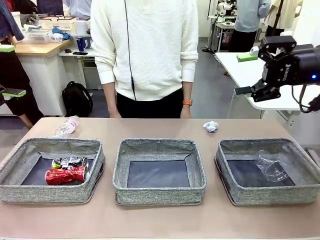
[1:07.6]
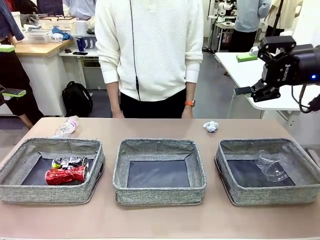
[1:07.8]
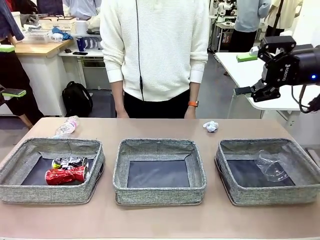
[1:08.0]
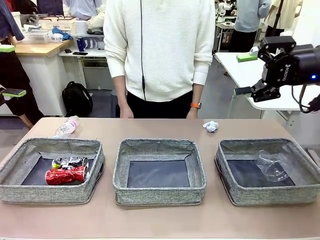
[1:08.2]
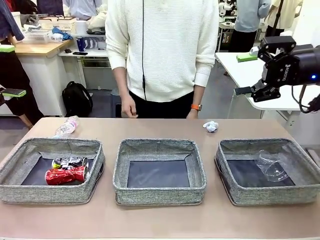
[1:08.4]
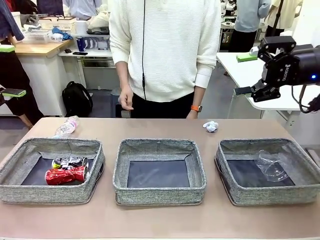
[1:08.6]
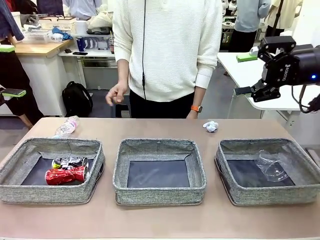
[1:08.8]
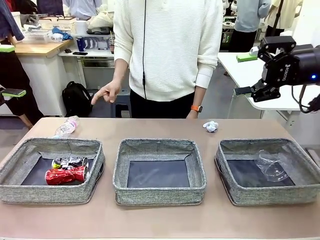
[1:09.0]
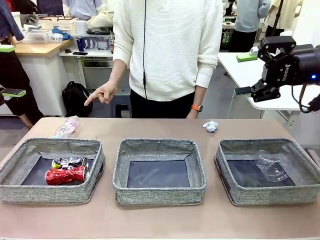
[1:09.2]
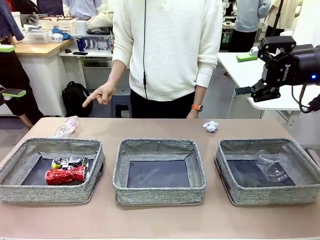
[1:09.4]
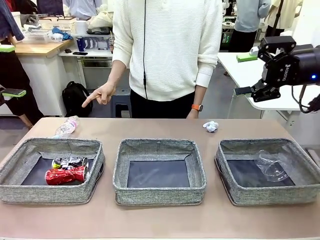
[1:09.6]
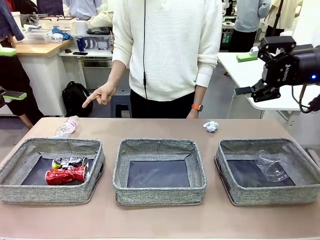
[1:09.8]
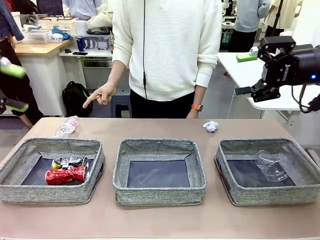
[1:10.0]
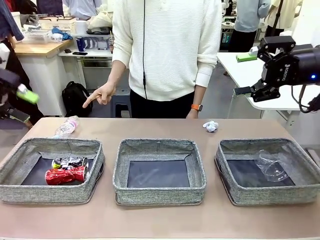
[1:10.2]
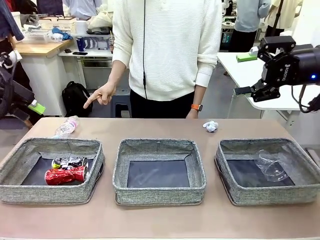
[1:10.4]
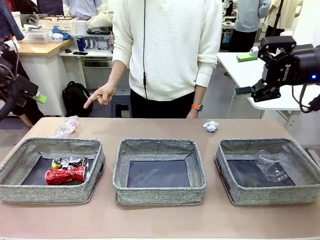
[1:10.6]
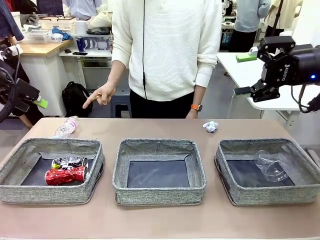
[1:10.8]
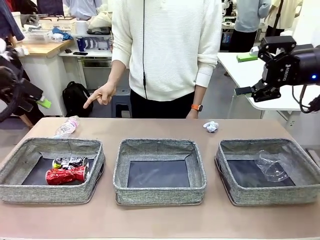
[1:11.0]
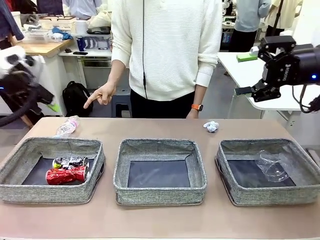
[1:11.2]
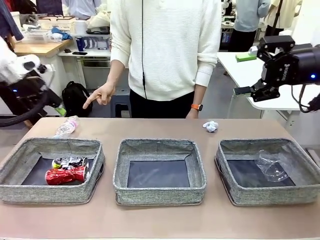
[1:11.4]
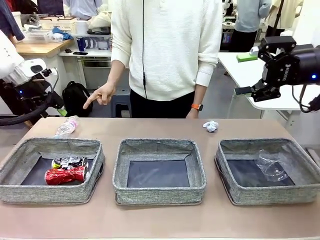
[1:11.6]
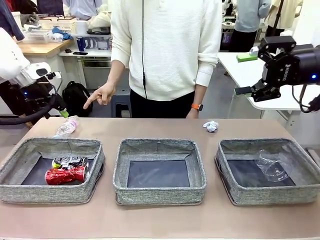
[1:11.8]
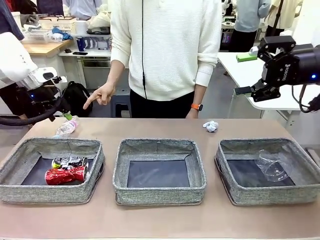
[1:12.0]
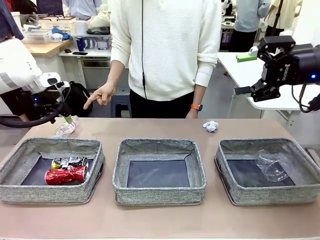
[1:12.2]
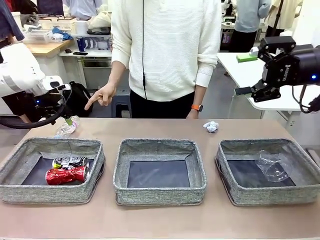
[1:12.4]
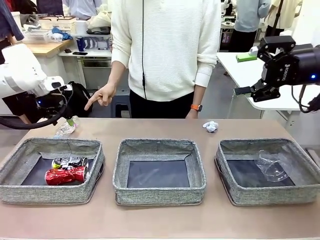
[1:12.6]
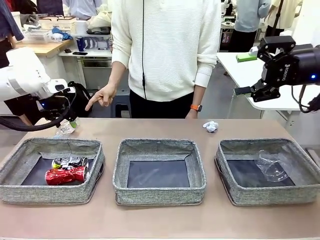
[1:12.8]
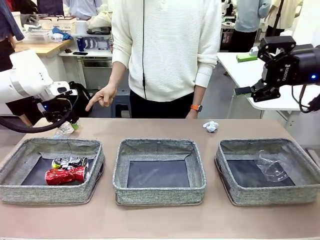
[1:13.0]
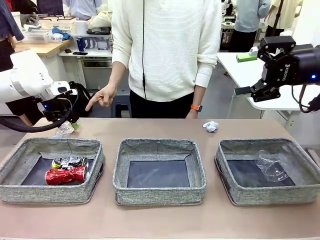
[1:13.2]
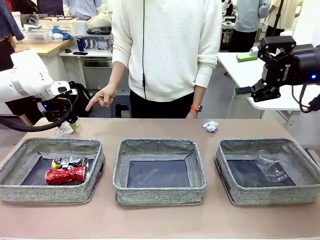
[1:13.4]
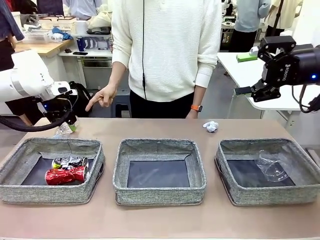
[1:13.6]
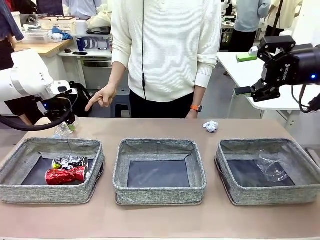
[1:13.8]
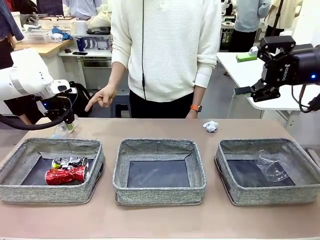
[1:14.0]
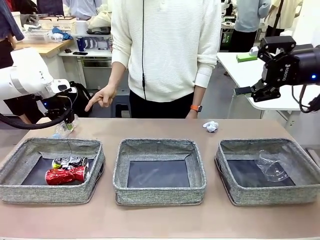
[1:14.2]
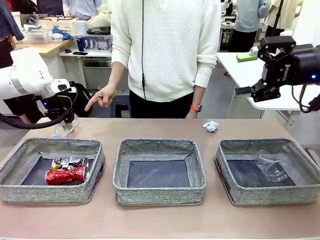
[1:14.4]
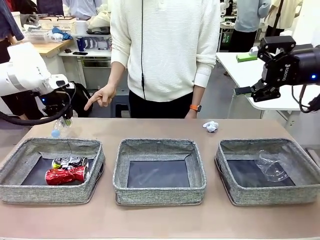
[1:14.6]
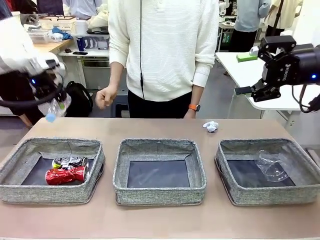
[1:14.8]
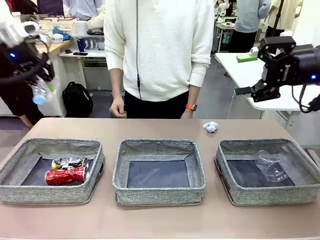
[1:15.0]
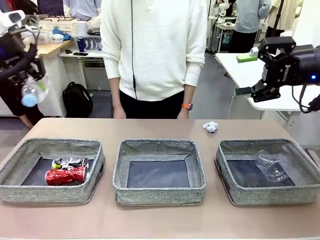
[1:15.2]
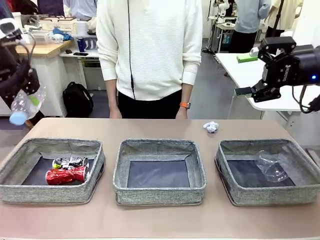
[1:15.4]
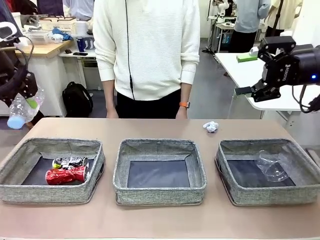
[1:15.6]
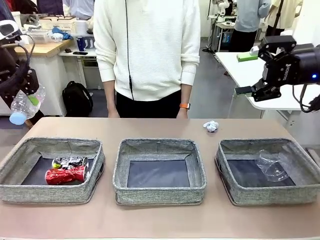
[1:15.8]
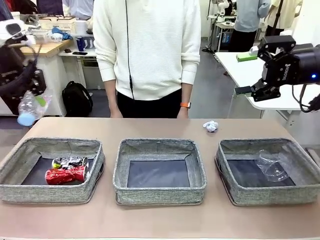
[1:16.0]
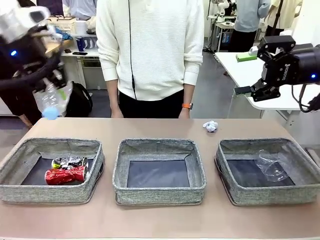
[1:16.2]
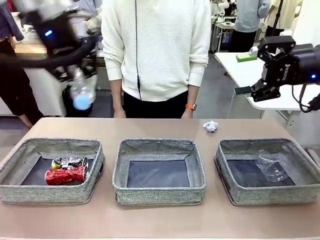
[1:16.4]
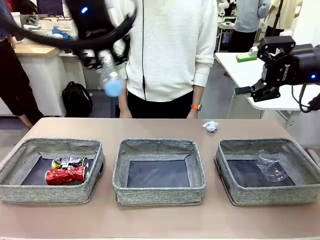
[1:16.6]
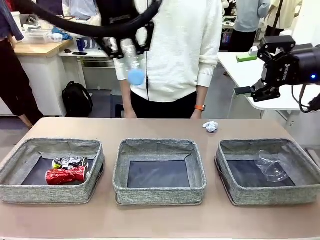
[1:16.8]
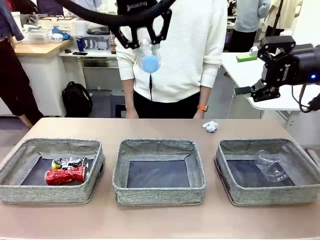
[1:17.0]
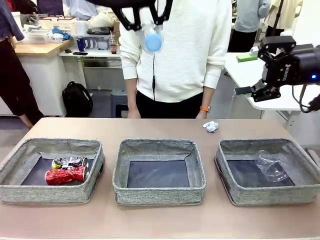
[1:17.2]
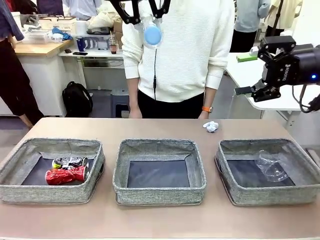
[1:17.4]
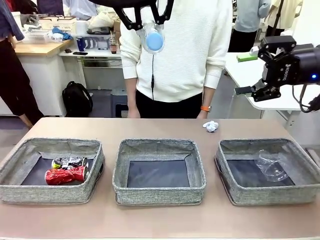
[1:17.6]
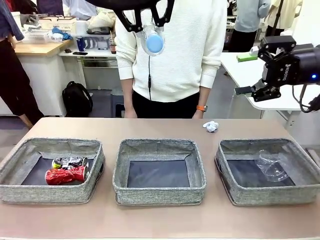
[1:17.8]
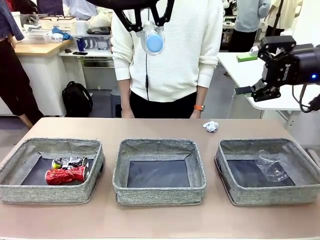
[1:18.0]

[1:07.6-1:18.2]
Task: Sort the waste into the appropriate baskets.
Robot: Pick up the waste item pointed out by the person.
Person: Points to one piece of trash on the table.

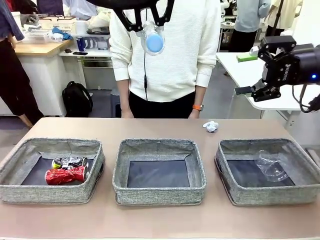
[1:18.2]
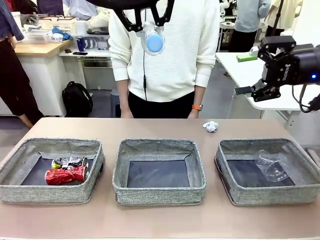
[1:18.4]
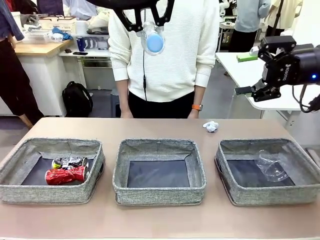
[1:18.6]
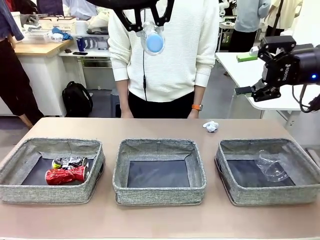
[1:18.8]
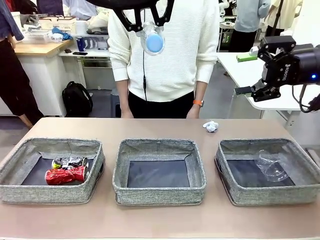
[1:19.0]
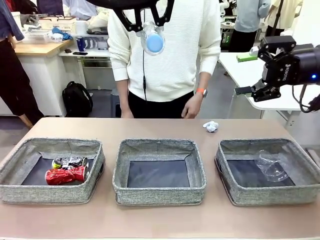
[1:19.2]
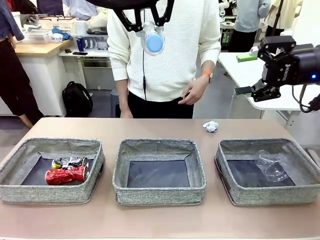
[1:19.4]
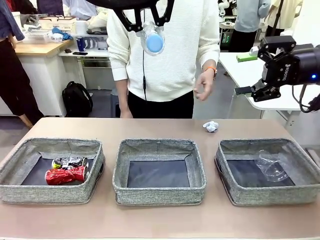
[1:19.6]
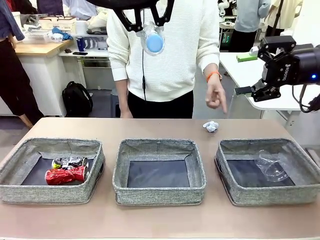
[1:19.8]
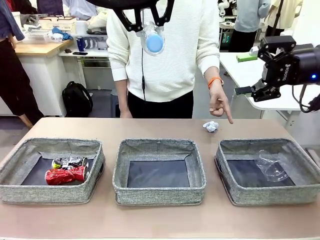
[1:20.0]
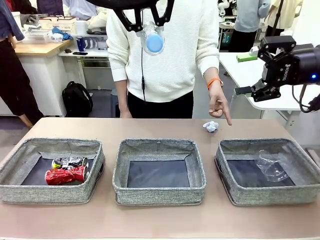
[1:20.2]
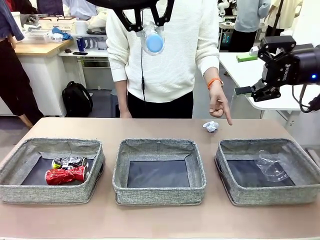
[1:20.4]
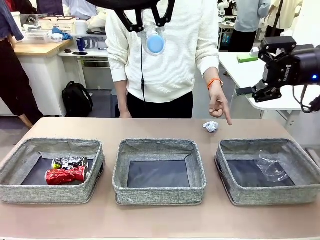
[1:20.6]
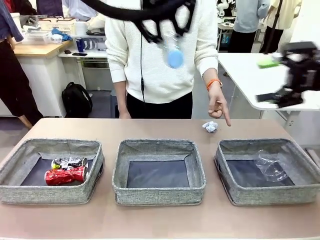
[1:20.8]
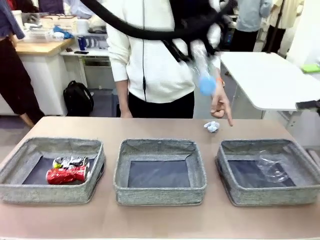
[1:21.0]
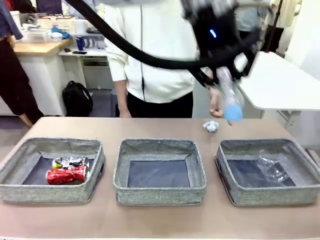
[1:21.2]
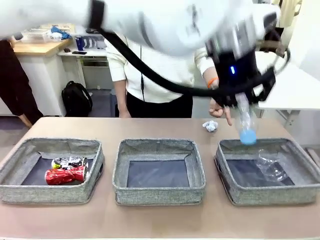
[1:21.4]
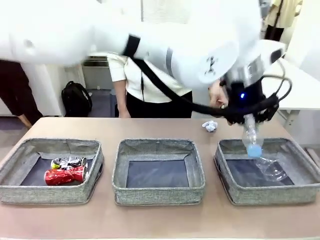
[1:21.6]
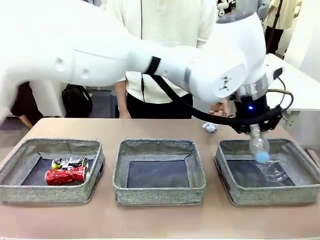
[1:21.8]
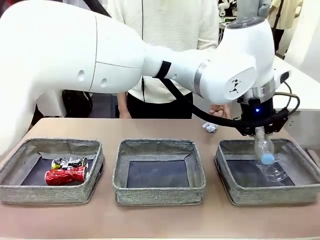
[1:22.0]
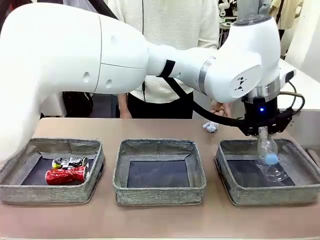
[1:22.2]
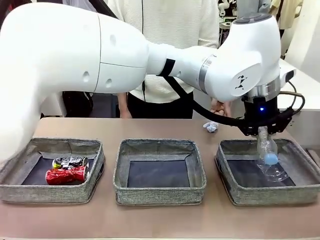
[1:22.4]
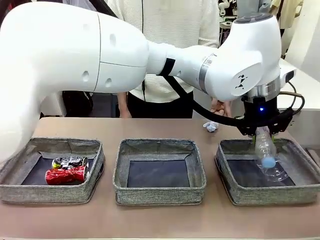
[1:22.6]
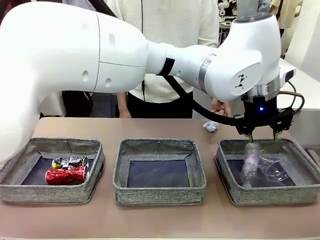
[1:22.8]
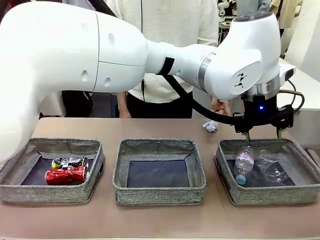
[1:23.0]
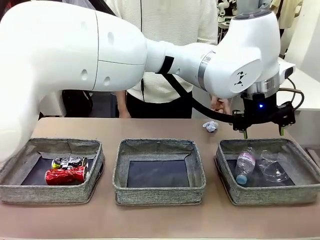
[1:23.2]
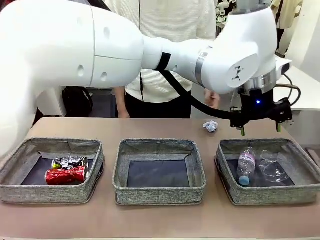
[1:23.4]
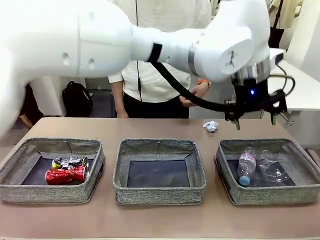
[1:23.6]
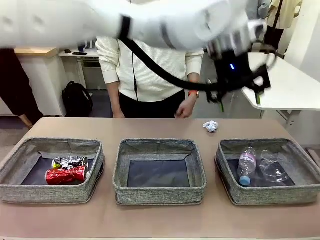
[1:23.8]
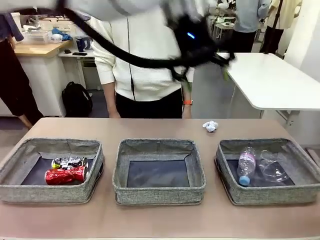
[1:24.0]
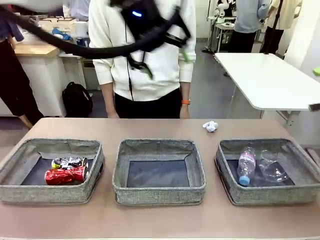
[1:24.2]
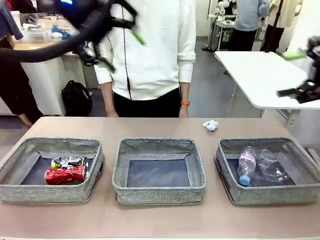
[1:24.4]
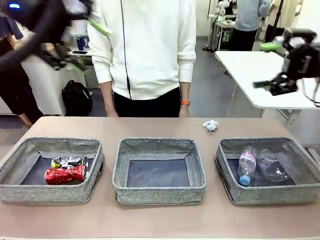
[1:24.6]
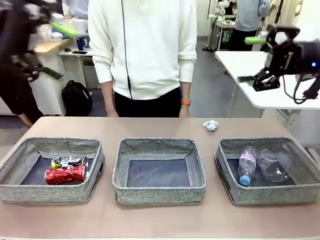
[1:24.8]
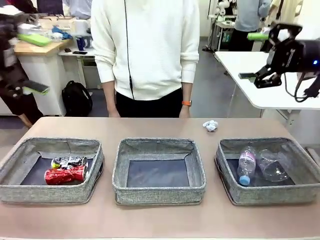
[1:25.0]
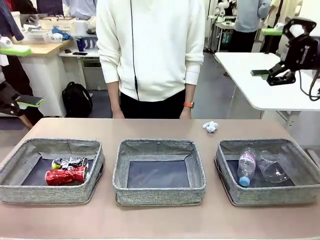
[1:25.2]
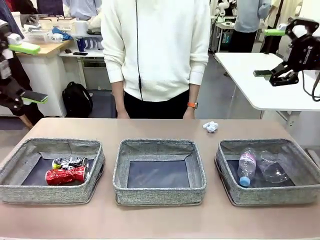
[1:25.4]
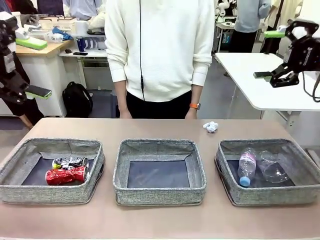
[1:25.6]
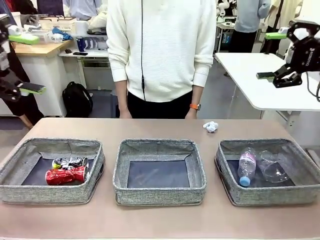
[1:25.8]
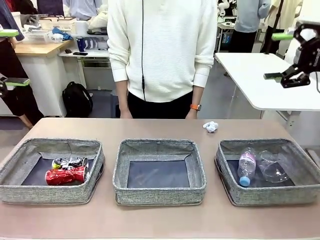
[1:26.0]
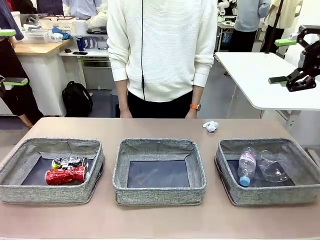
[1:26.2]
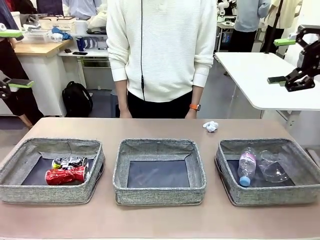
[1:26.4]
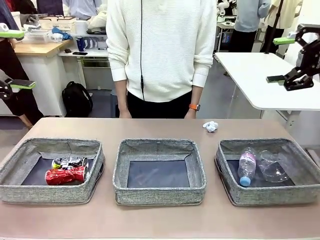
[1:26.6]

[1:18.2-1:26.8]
Robot: Place the picked waste into the Fabric basket indicated by the person.
Person: Instructs the robot to place the picked-up trash into the appropriate organizing basket.
